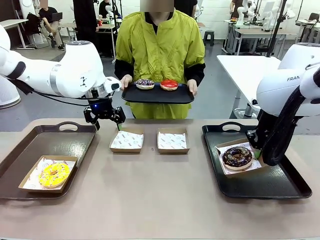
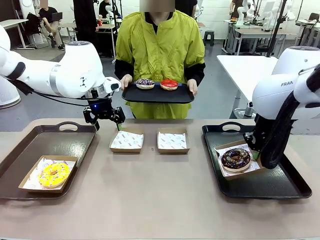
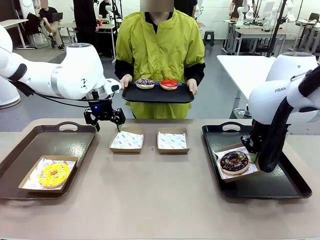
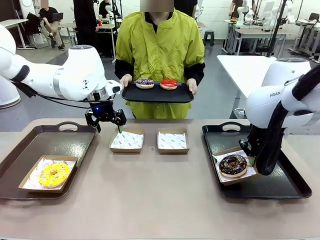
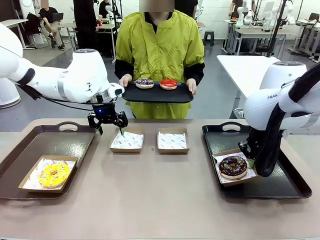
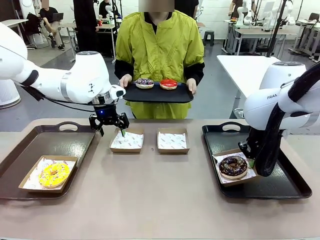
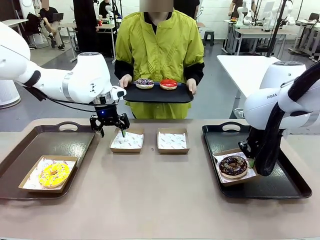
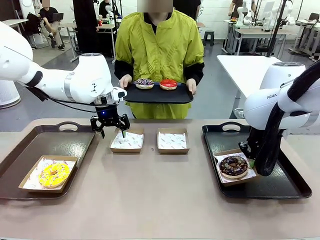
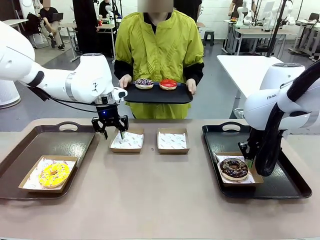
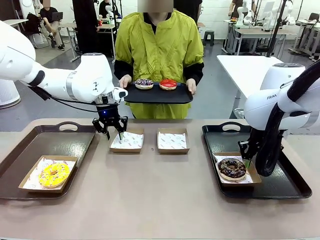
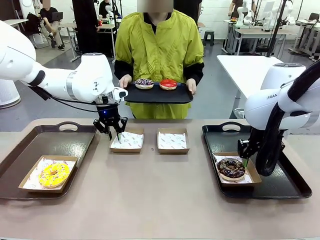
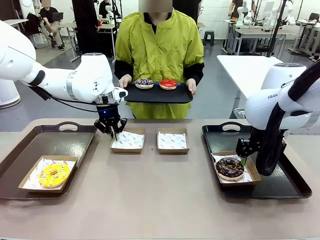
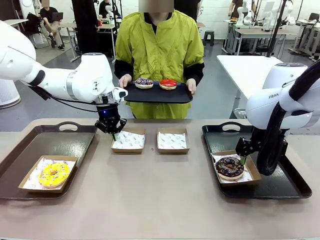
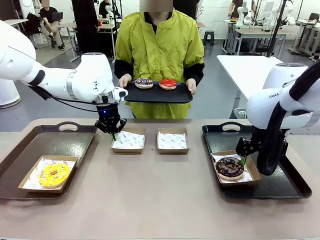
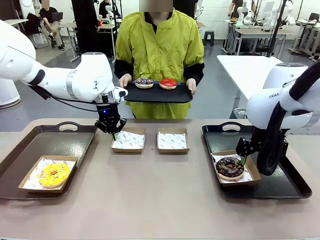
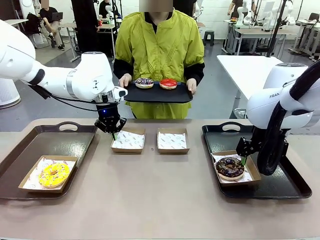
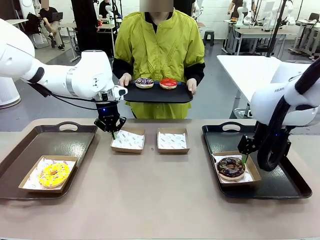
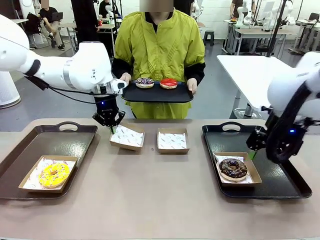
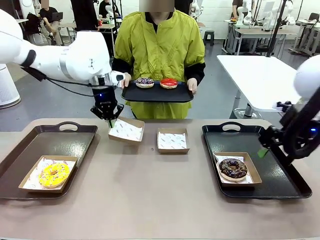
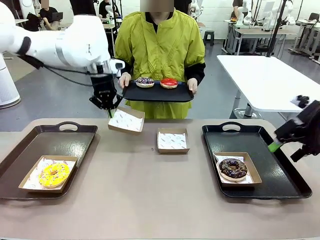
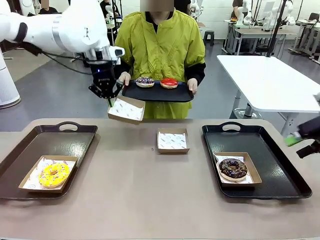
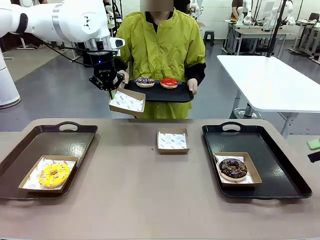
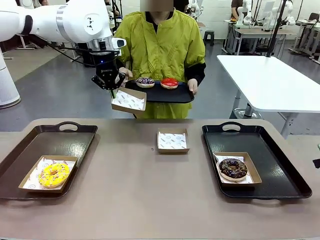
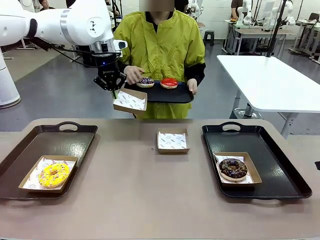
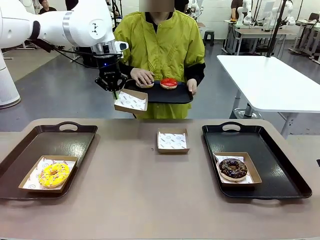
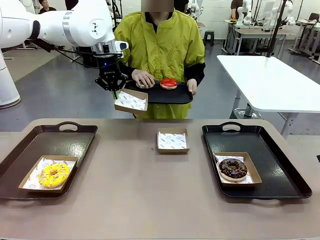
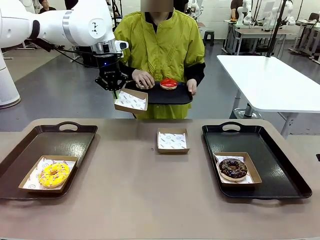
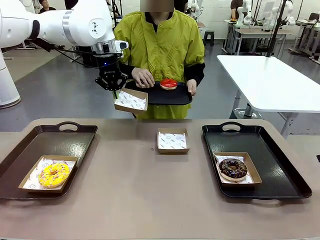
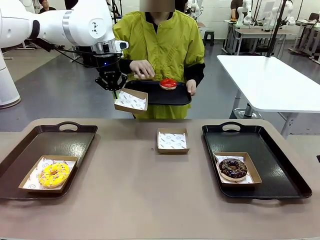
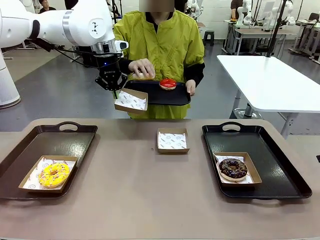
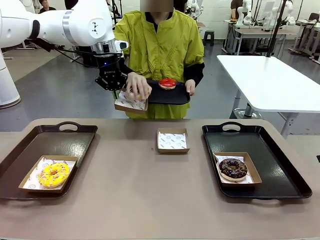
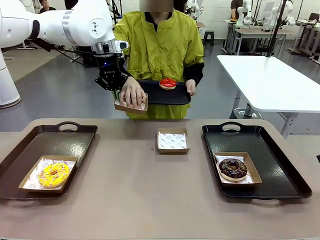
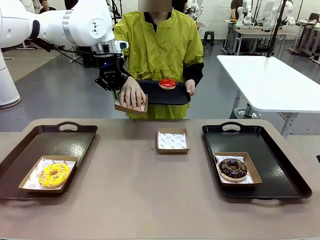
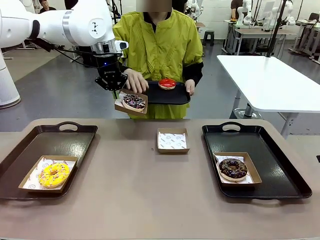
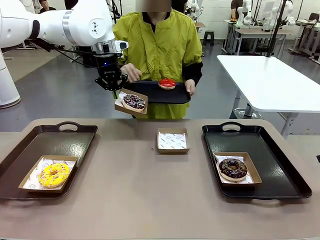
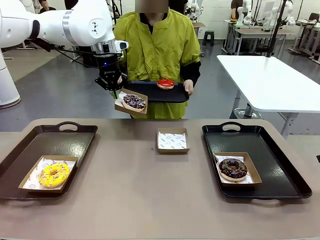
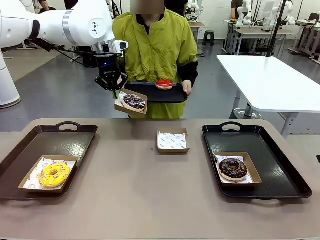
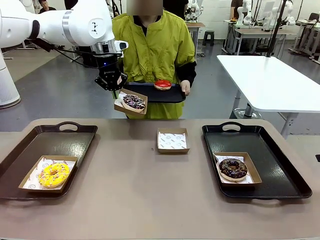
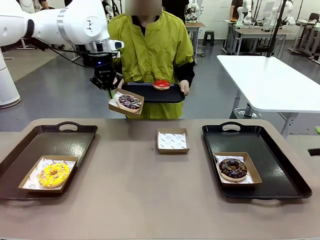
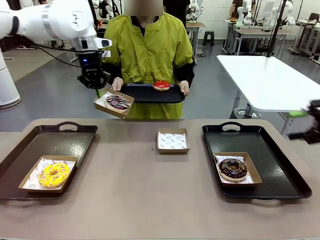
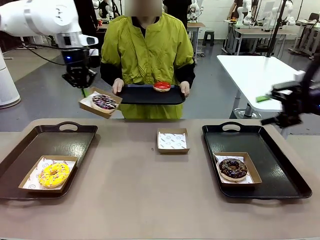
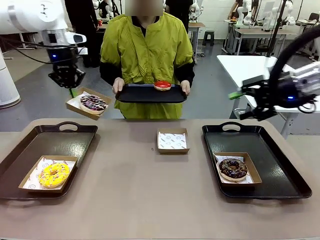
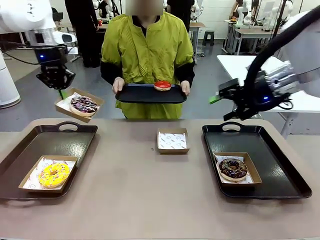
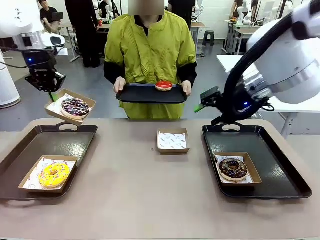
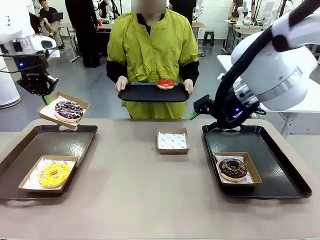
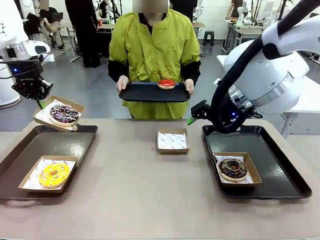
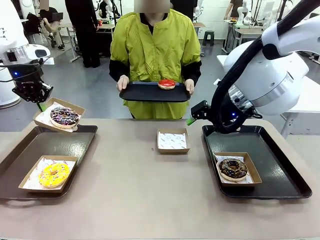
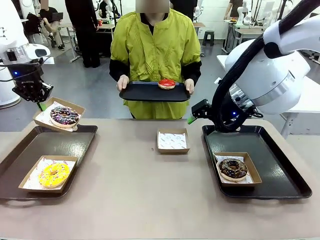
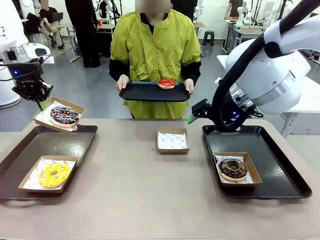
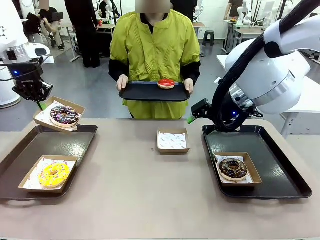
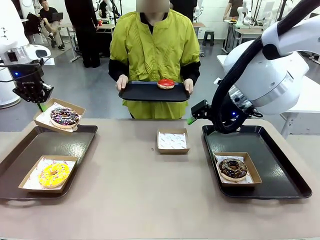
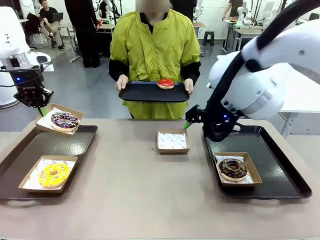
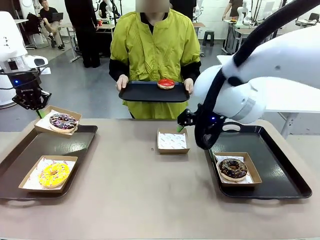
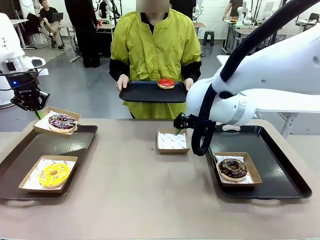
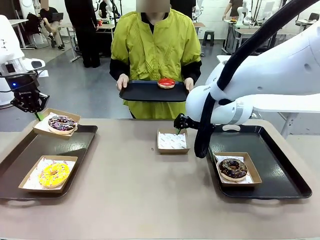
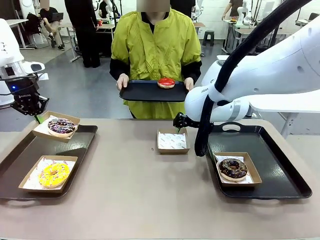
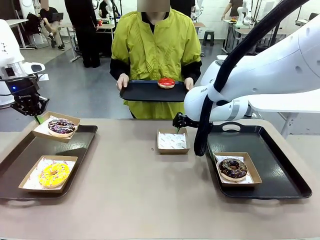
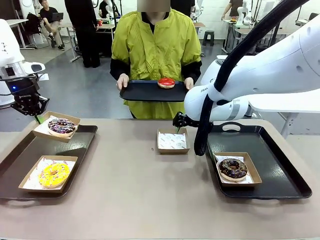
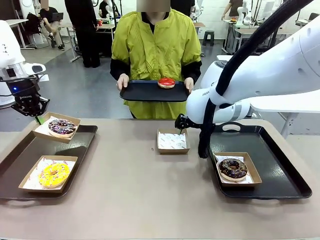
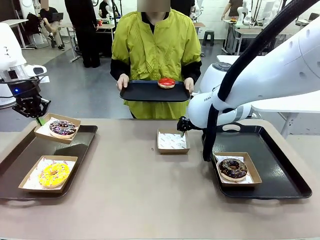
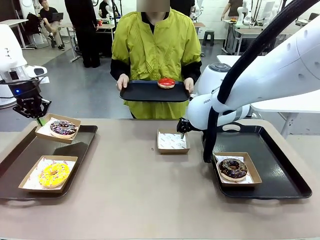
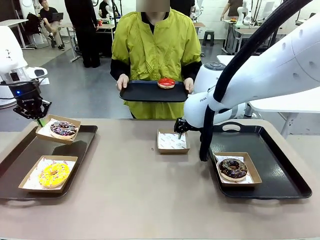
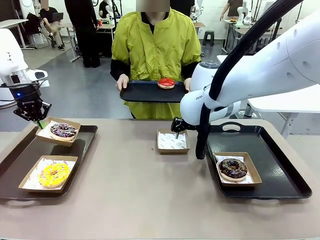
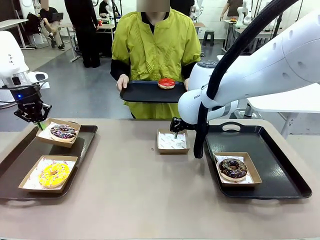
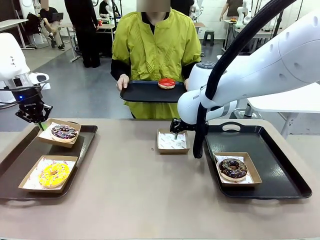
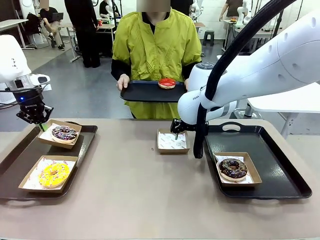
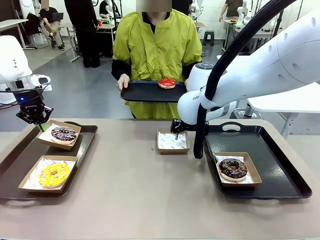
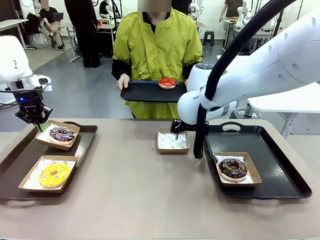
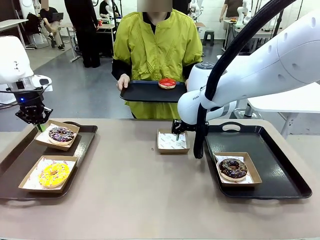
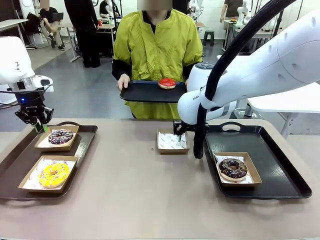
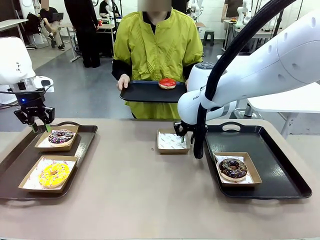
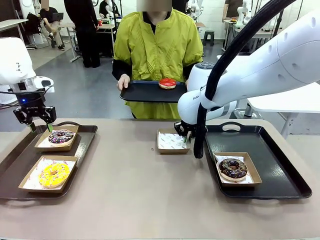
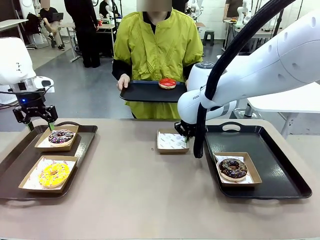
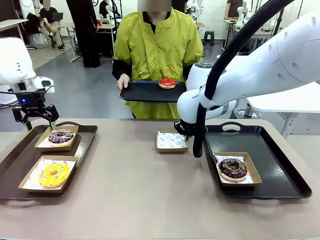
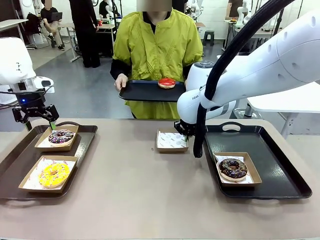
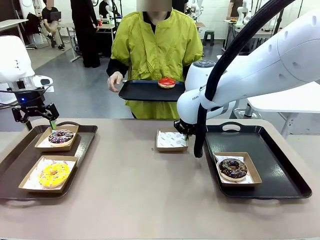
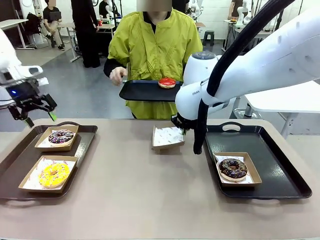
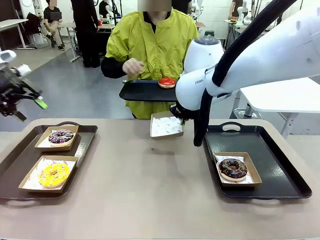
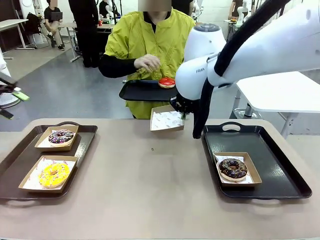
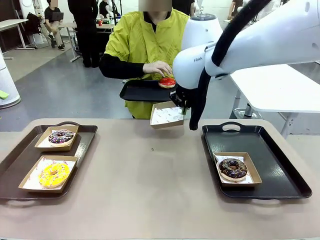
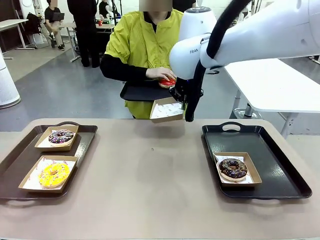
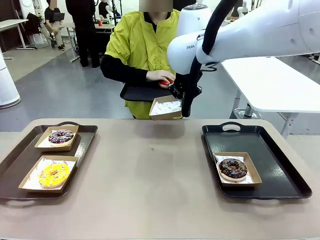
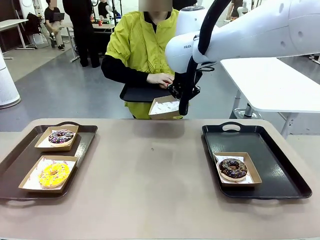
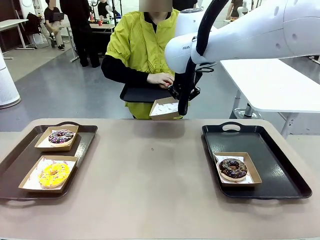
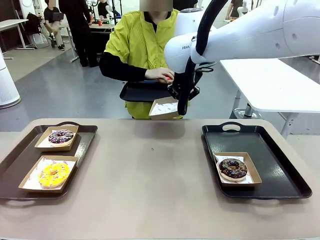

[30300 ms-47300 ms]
Task: Individually package the donuts and arrange them on the tray.
Robot: Place the picked Paper togo box on the Handle tray while simultaneously picking up another Paper togo box from the table with the other hand.

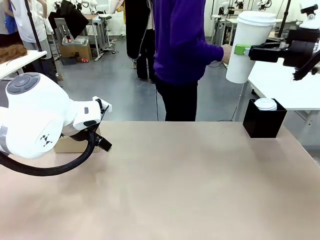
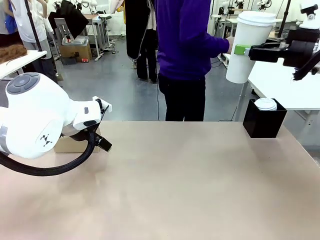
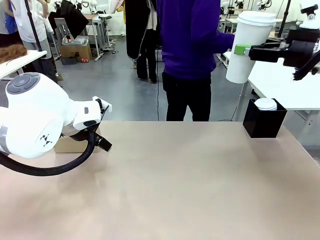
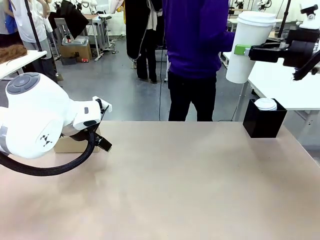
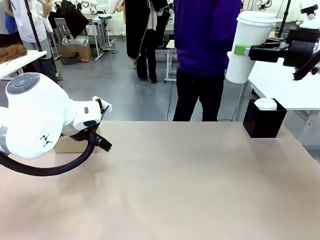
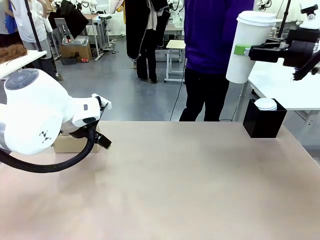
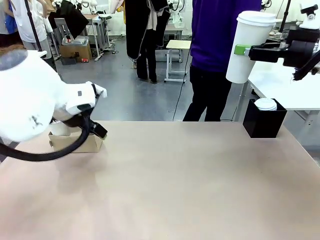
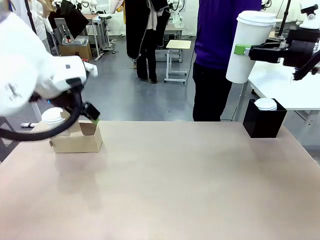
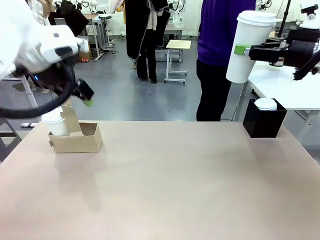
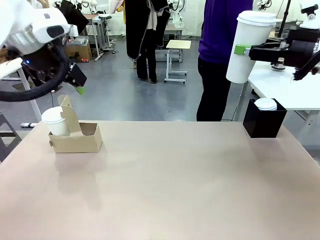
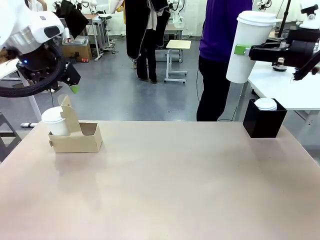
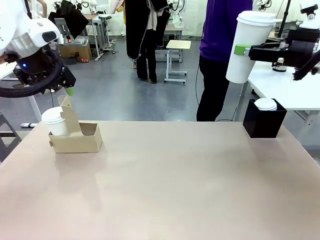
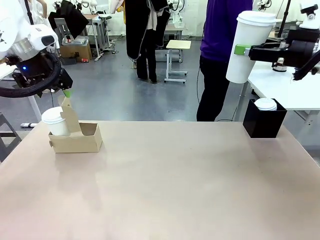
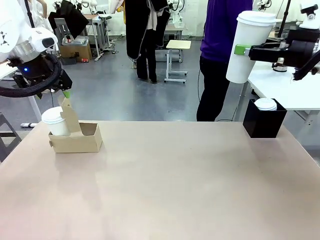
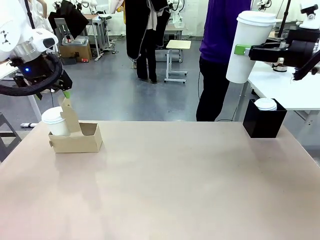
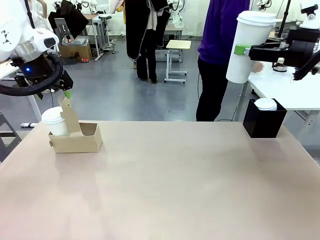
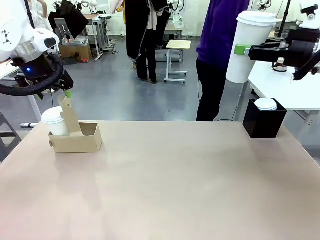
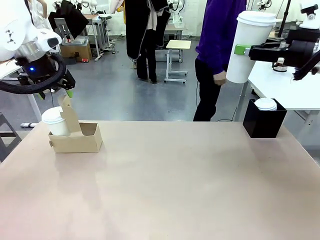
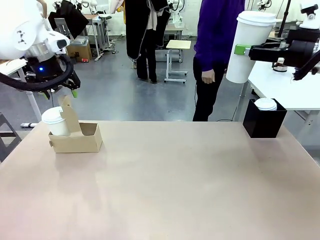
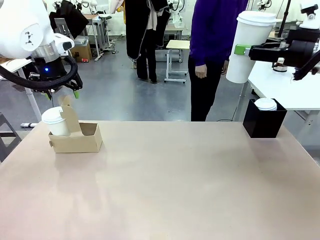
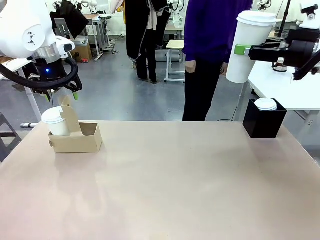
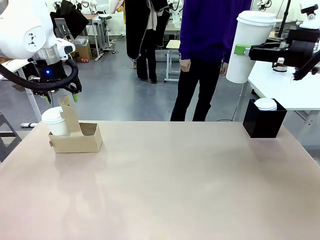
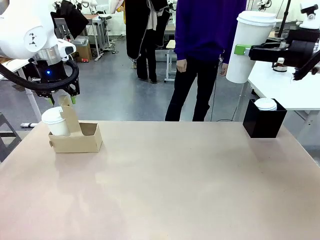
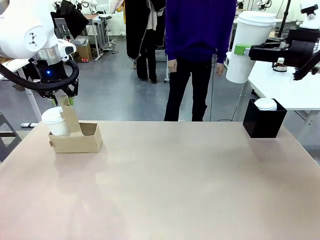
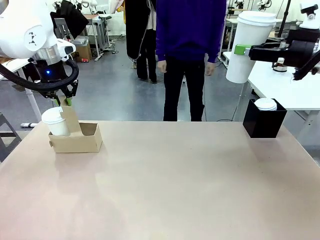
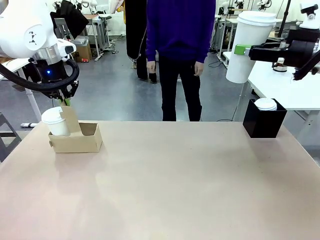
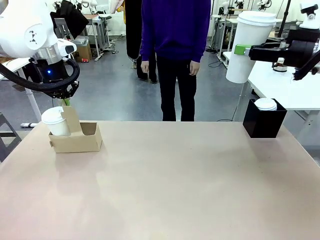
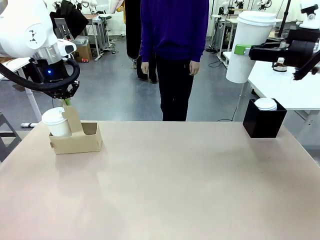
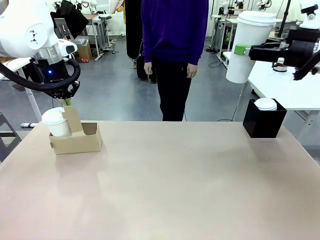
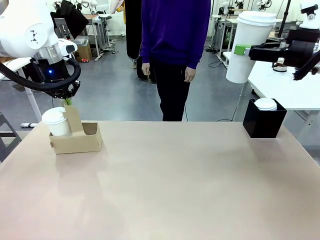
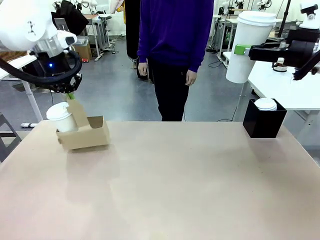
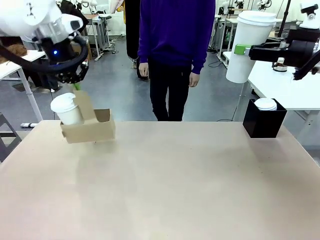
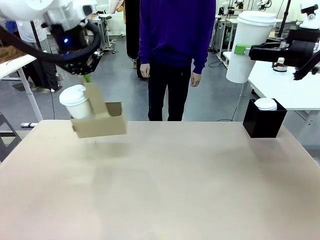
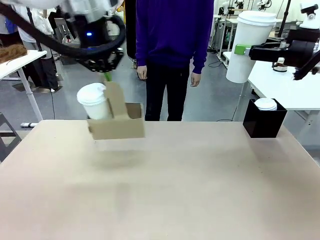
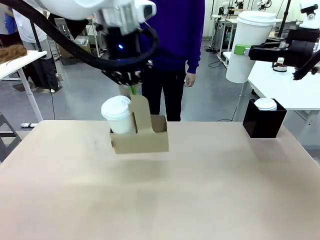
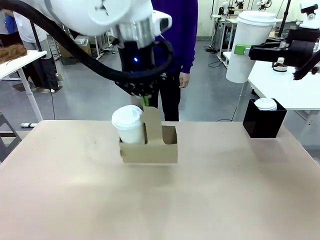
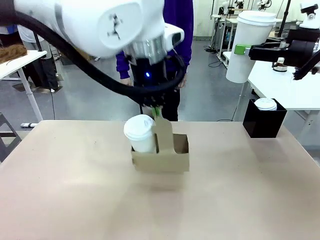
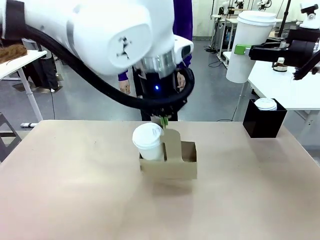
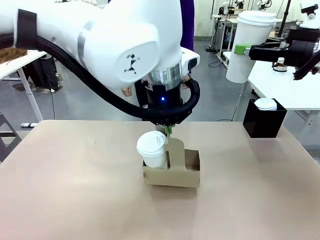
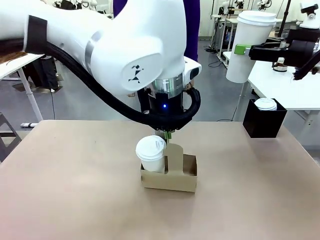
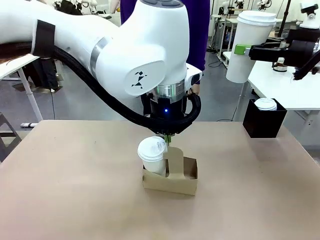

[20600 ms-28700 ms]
Task: Pour a drink into a cup and package it in a carrier.
Robot: Position the Cup Carrier in the center of the table.
Person: Pick up the Filter Brewing and place on the middle of Human table, and return to the Robot table.
